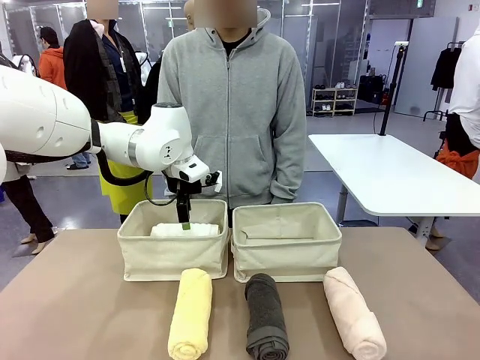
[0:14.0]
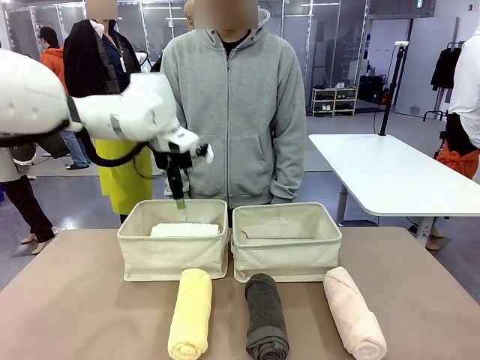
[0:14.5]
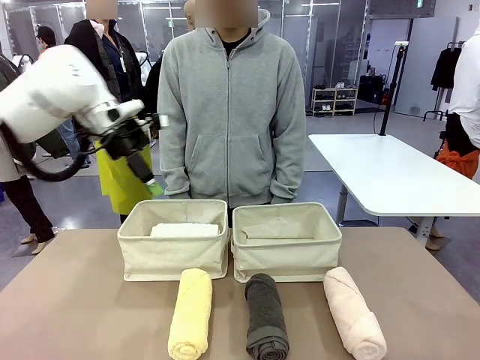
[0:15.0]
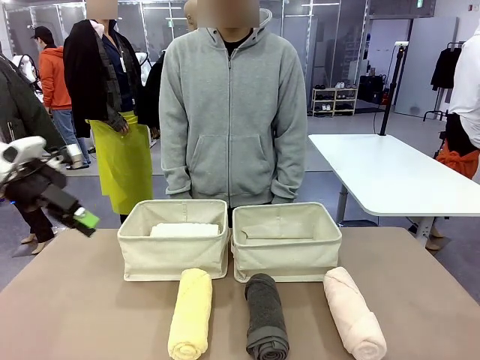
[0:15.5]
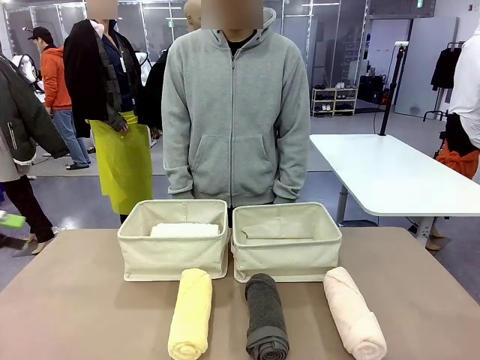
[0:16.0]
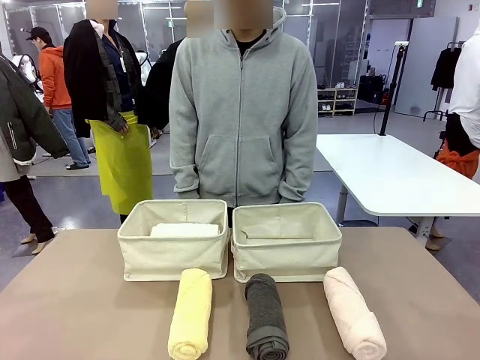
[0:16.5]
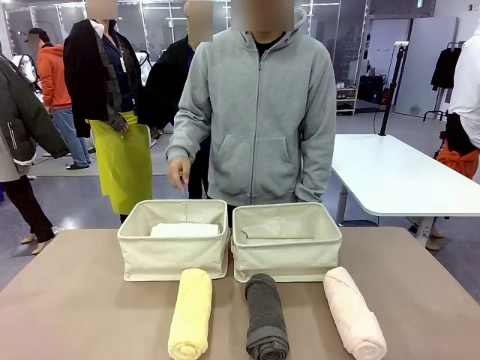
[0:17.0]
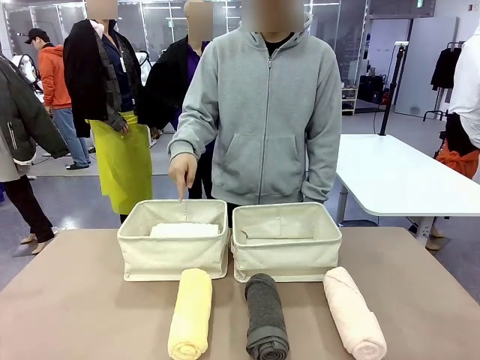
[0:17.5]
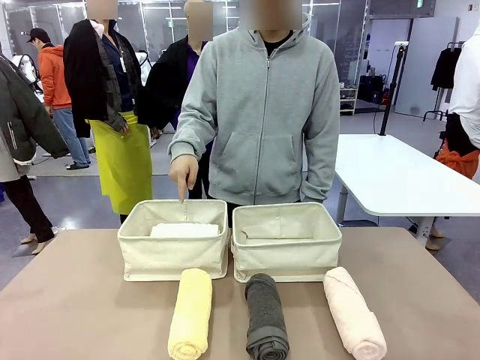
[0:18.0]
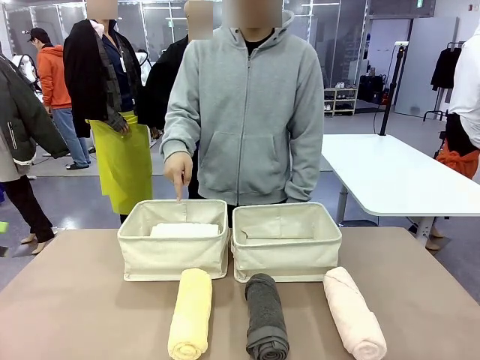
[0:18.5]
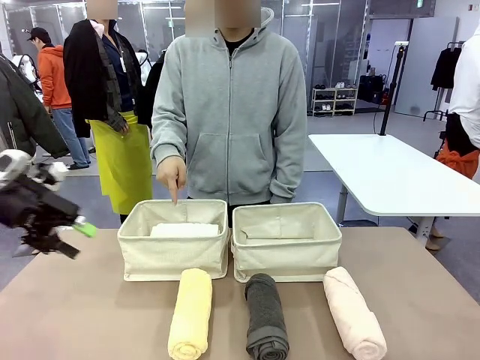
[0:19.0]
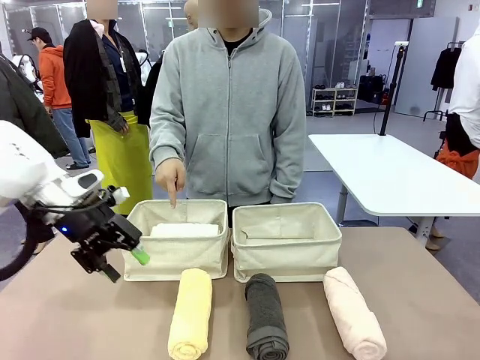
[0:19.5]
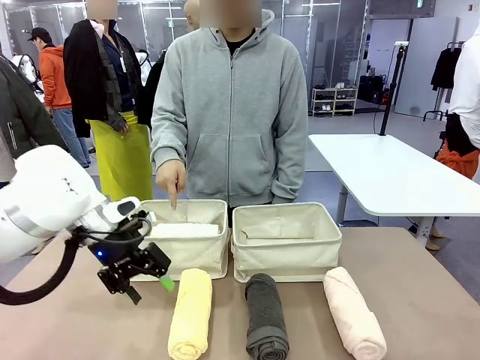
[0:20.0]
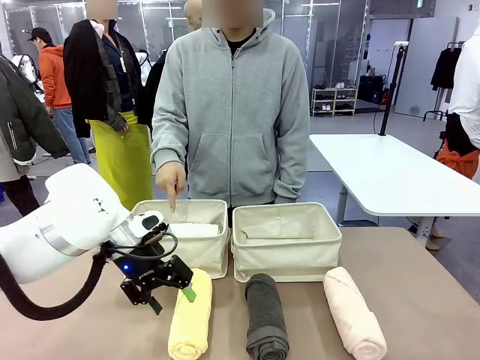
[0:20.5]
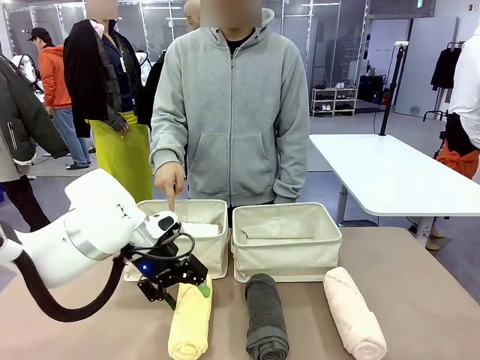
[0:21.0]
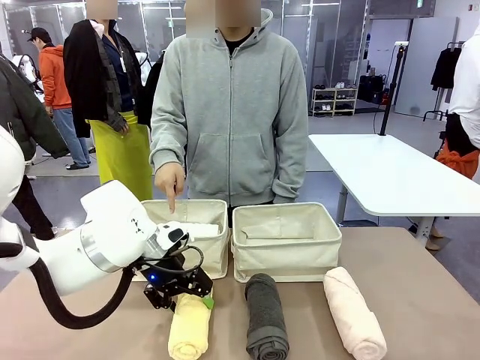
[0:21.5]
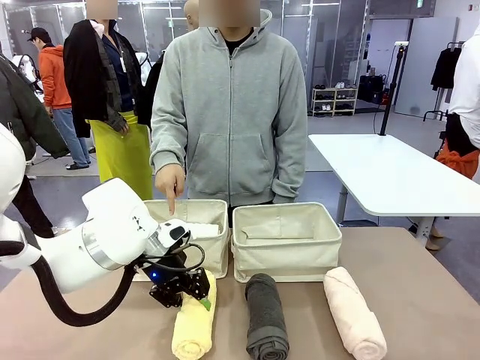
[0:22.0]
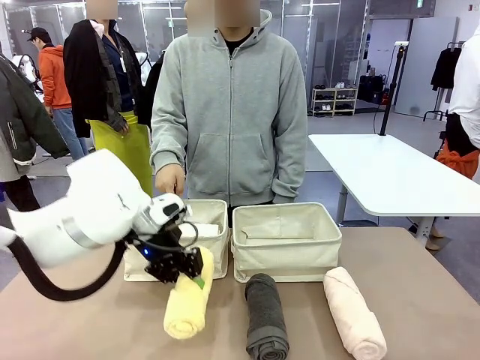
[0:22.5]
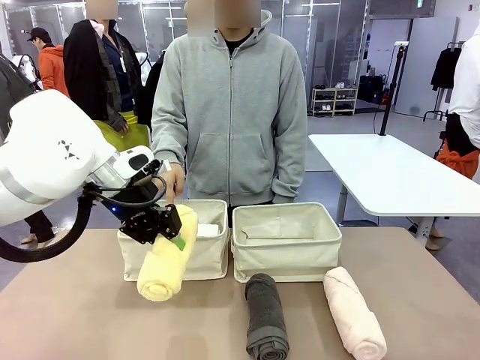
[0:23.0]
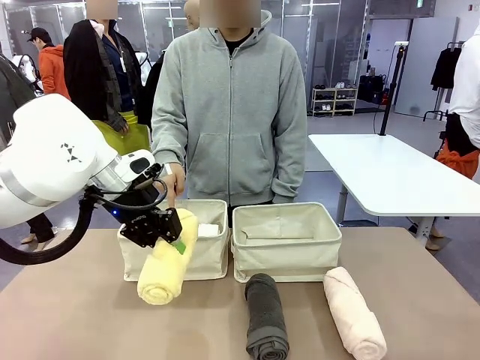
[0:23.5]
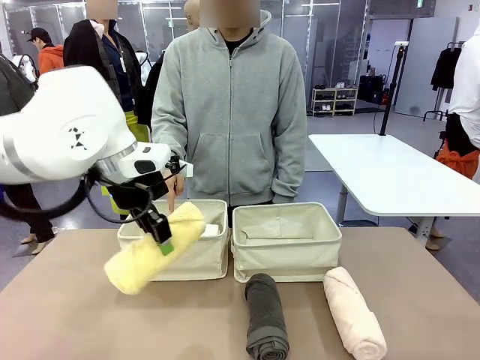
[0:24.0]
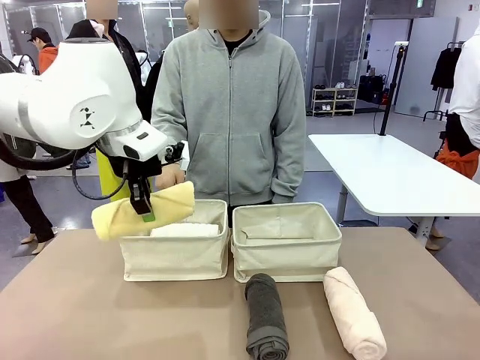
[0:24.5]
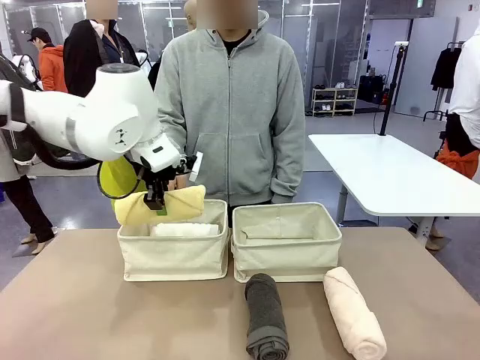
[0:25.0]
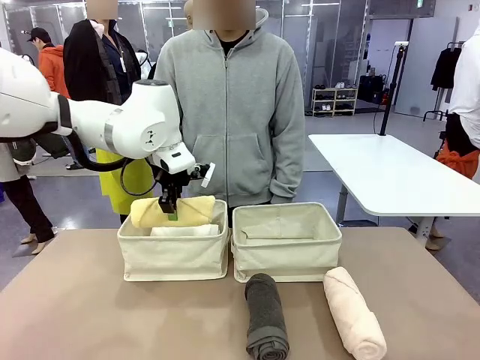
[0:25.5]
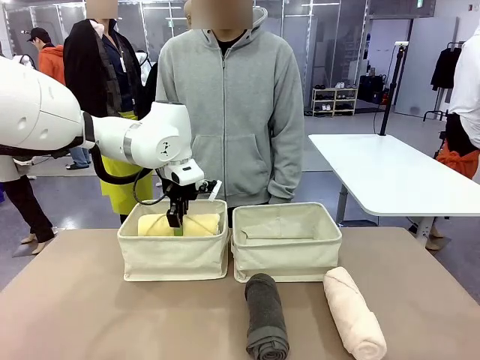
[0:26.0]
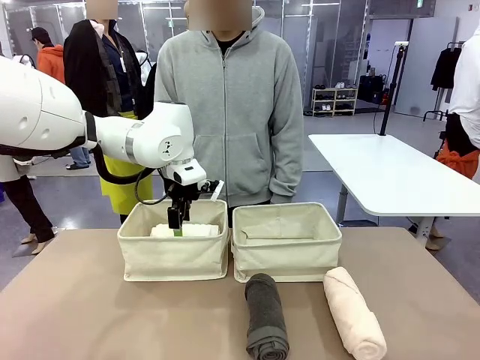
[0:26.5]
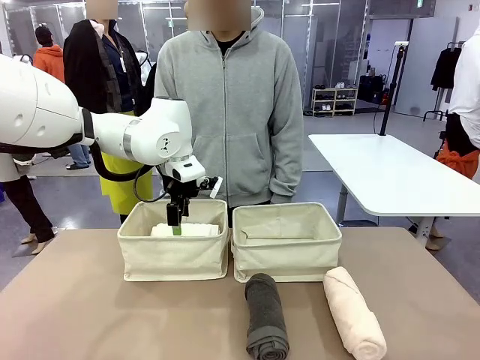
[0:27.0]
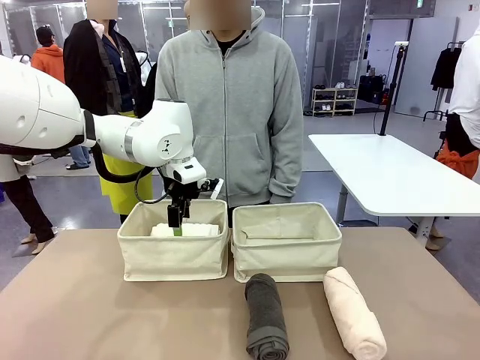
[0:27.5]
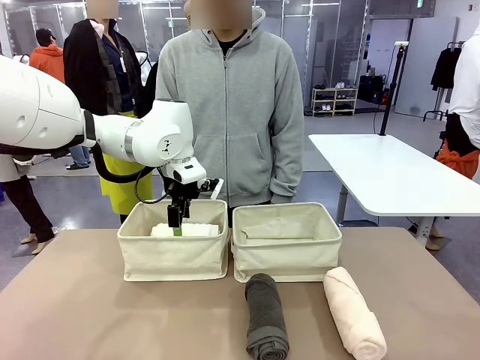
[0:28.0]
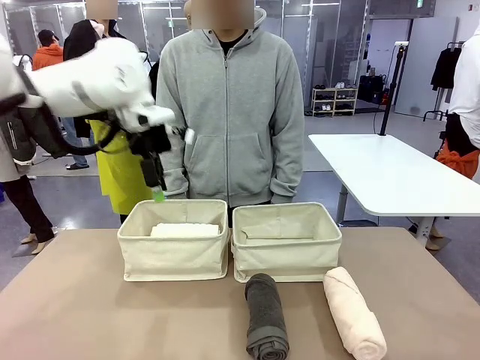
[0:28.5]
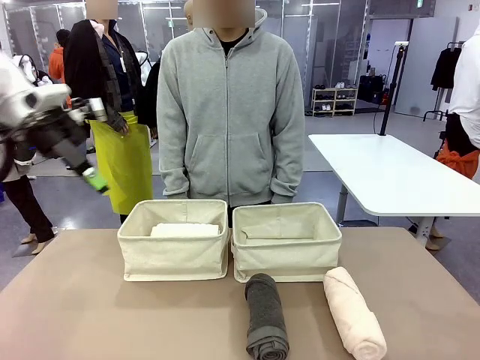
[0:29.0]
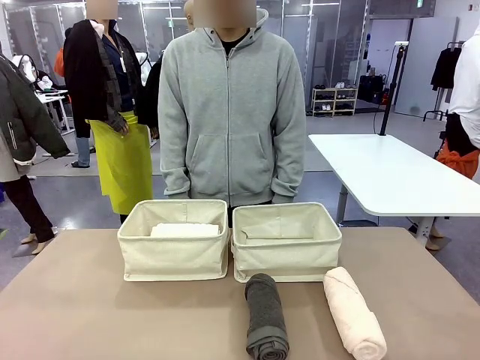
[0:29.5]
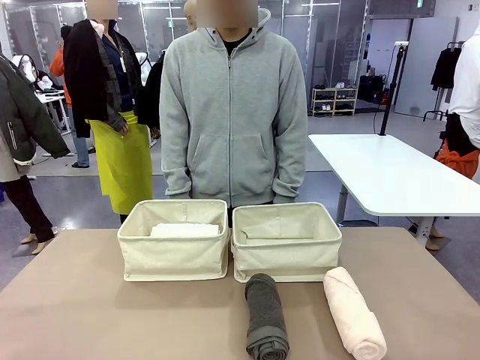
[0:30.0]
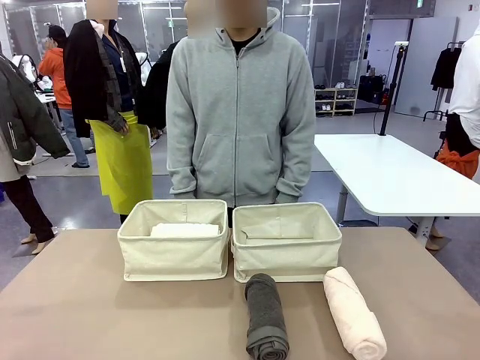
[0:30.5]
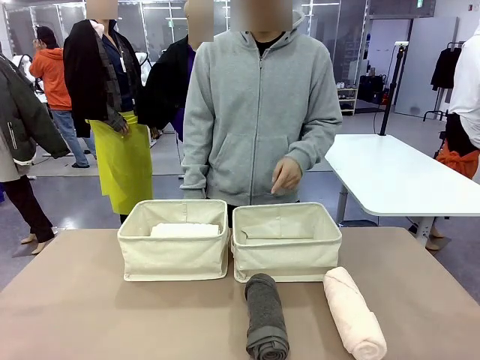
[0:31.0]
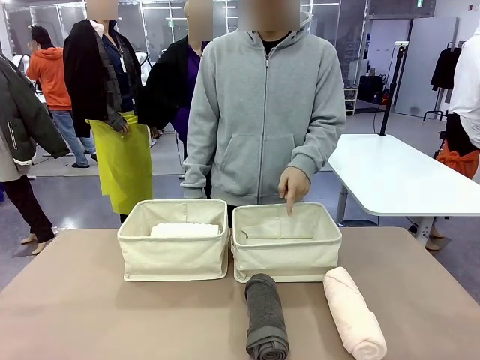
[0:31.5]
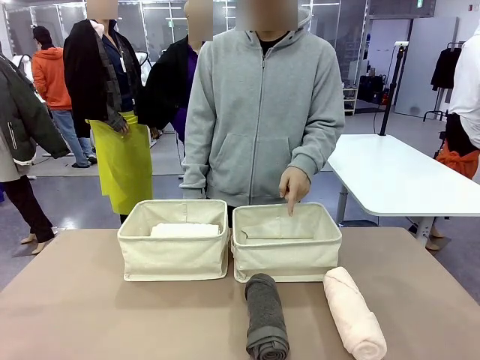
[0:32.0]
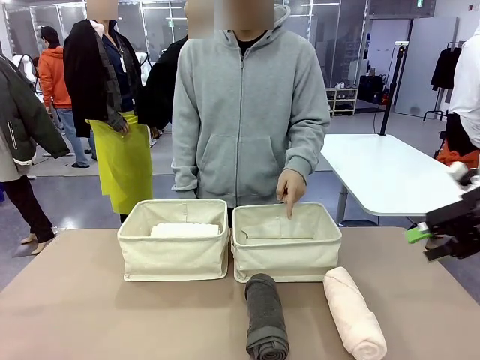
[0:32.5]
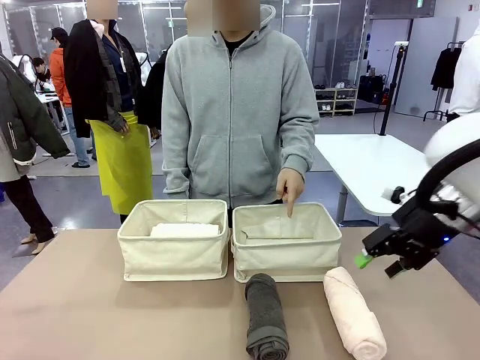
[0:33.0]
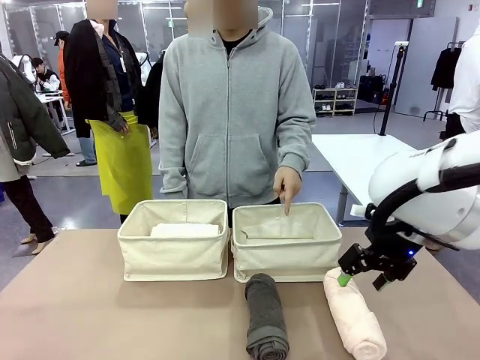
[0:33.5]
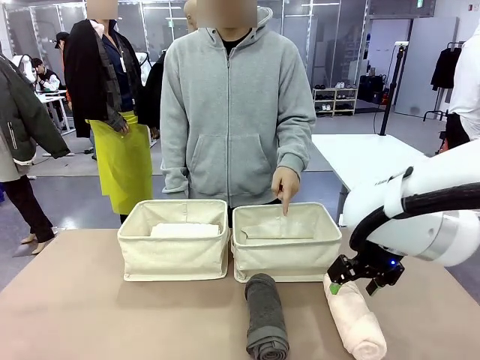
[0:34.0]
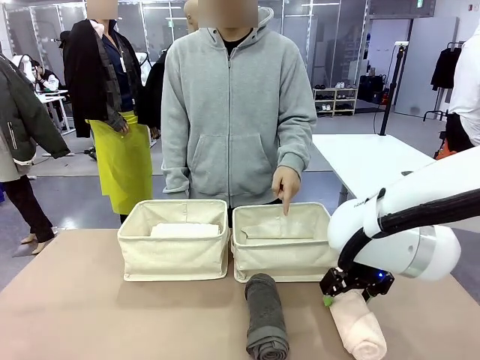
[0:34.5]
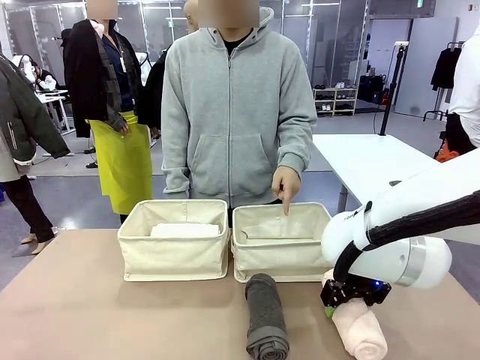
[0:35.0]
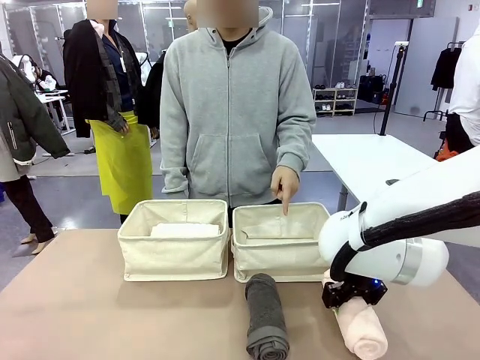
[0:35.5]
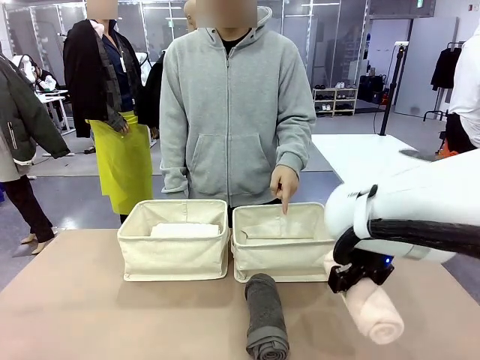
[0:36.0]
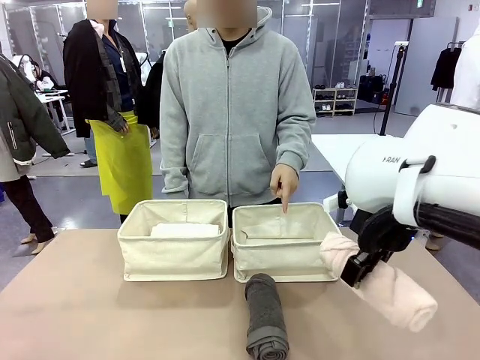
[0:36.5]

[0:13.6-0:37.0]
Task: Divide the towels into two baskets.
Robot: Pick up one hotel-folded towel from the bottom of the table and place it in the Fabric basket indicated by the person.
